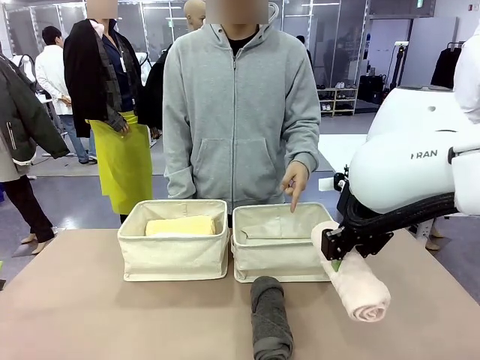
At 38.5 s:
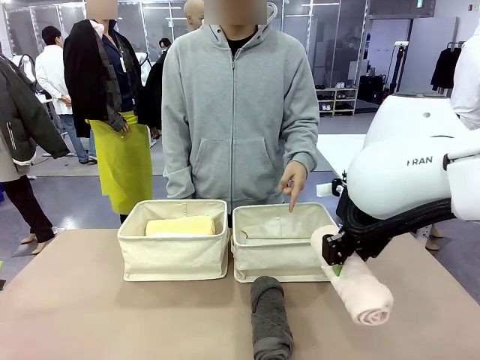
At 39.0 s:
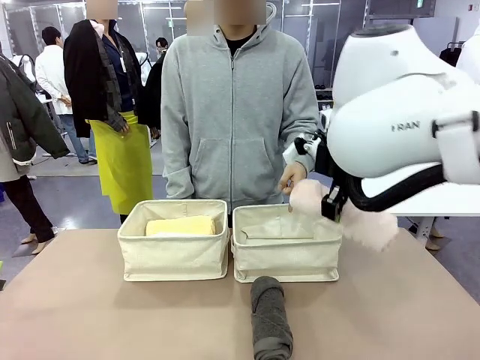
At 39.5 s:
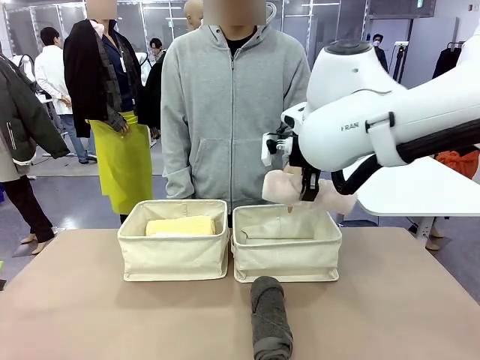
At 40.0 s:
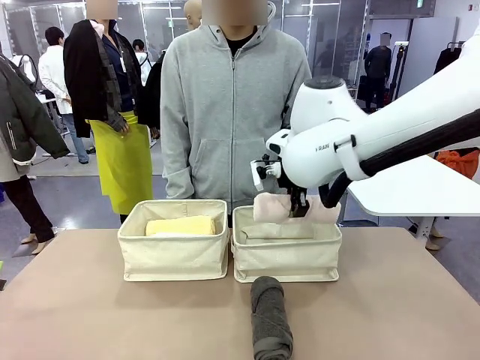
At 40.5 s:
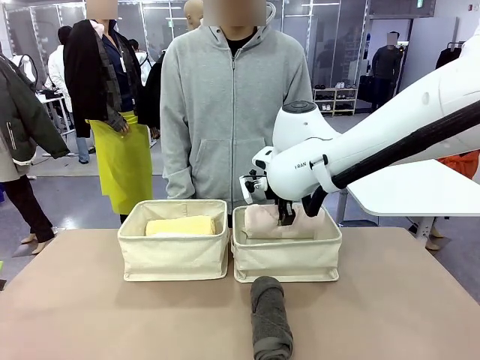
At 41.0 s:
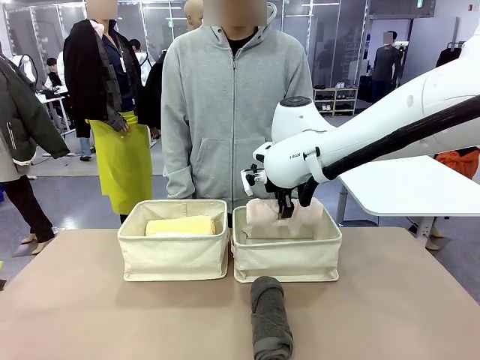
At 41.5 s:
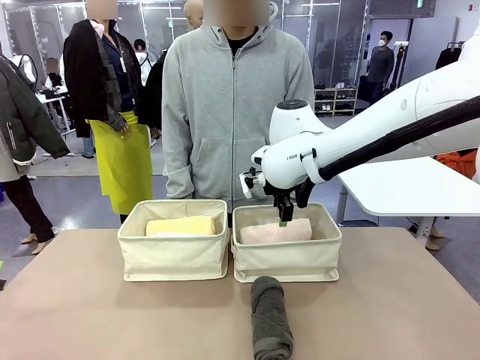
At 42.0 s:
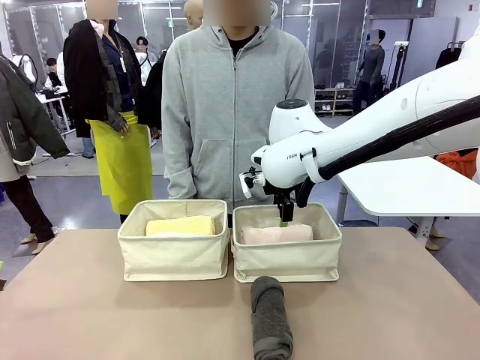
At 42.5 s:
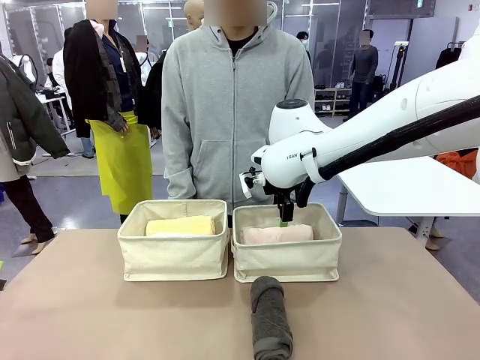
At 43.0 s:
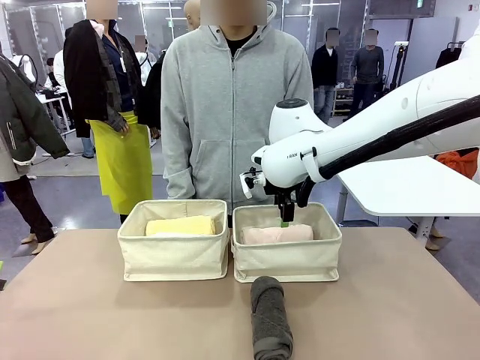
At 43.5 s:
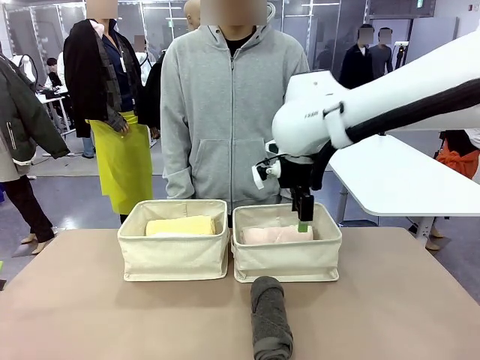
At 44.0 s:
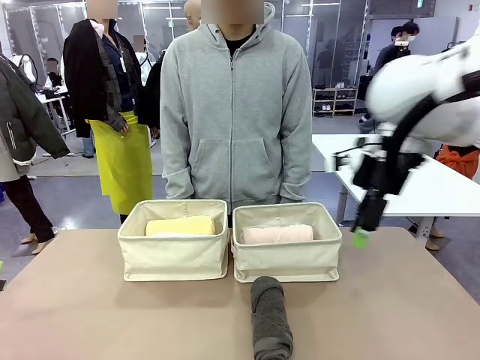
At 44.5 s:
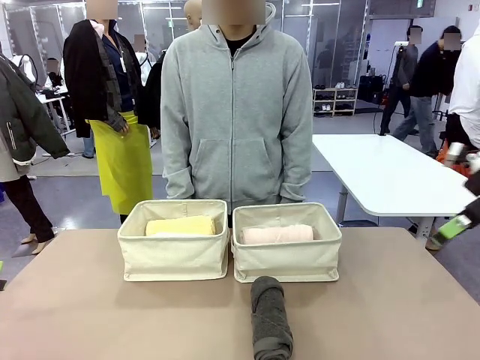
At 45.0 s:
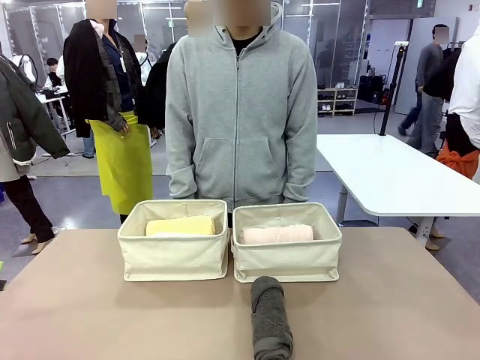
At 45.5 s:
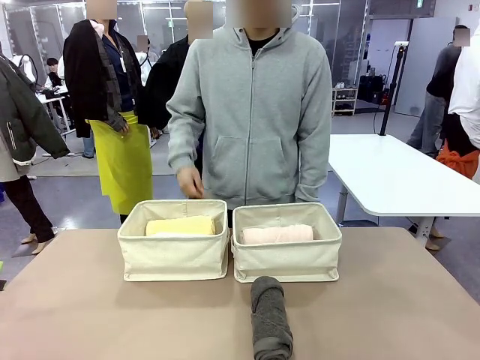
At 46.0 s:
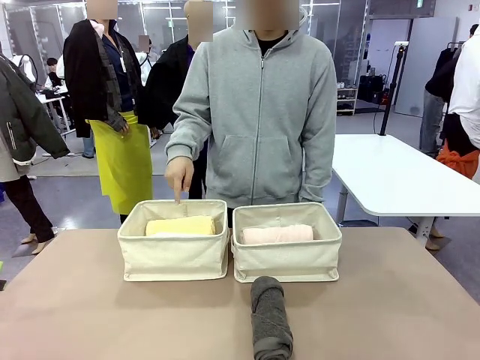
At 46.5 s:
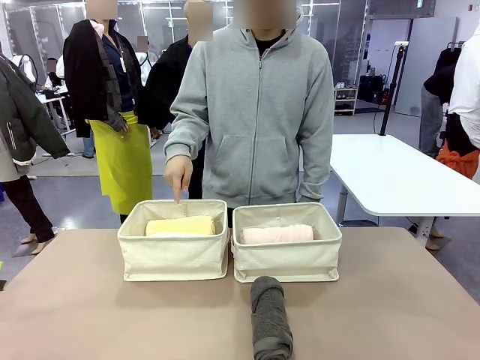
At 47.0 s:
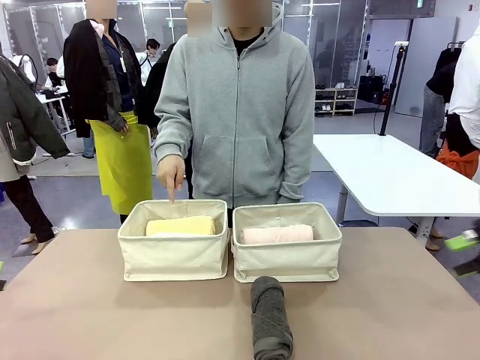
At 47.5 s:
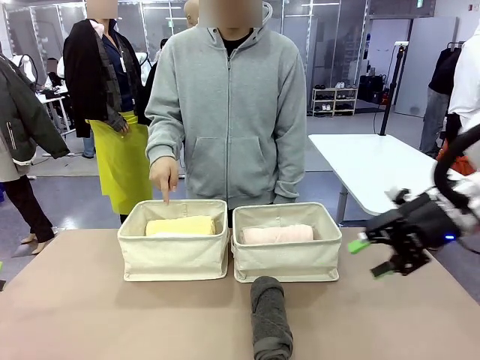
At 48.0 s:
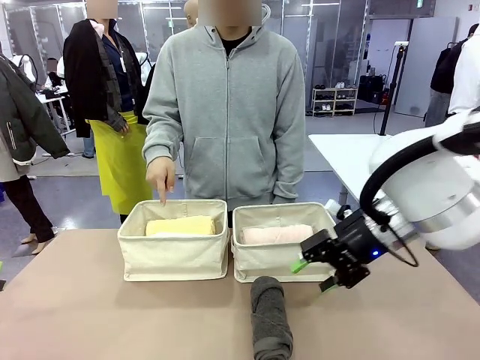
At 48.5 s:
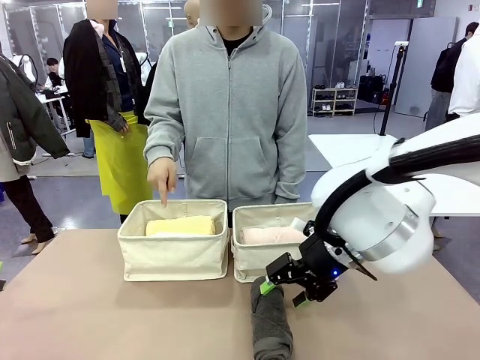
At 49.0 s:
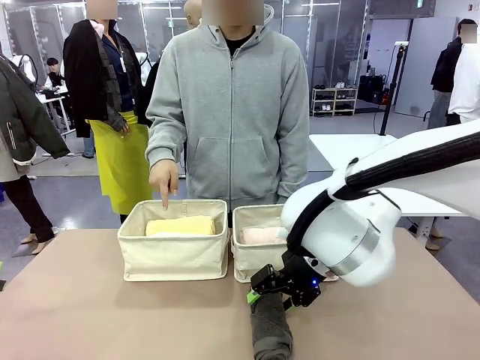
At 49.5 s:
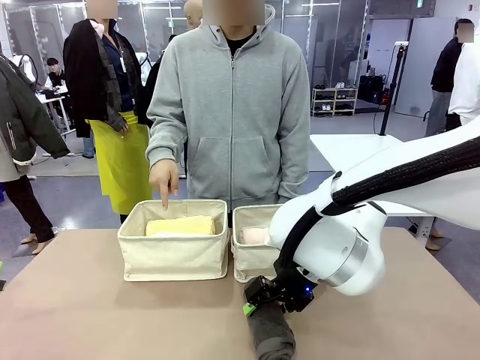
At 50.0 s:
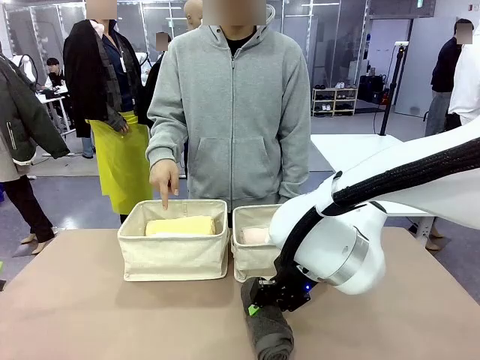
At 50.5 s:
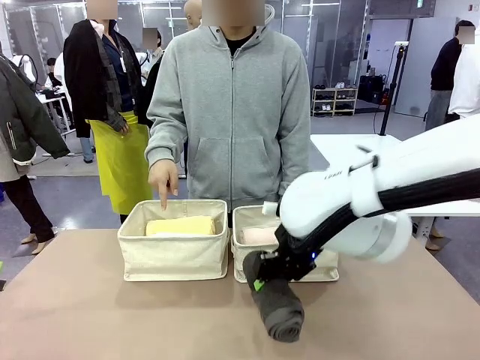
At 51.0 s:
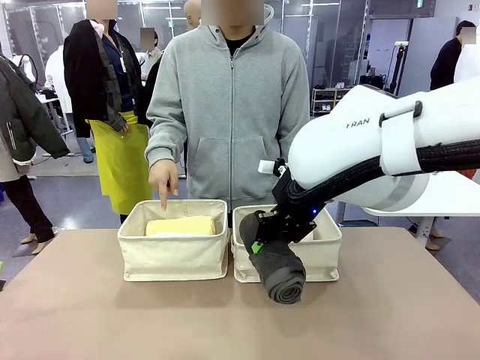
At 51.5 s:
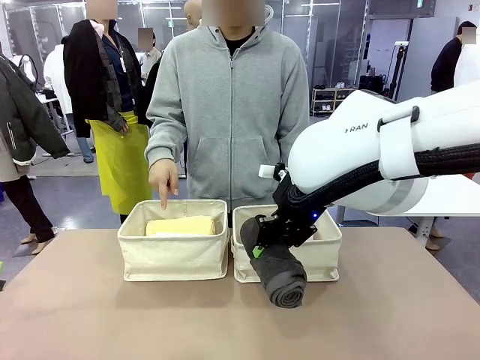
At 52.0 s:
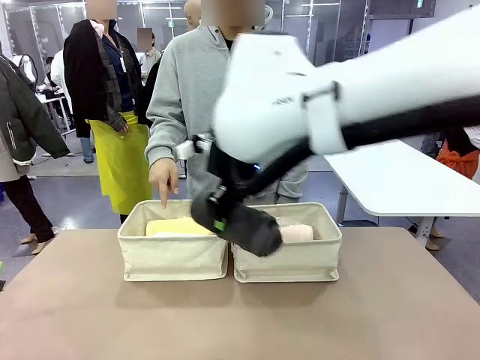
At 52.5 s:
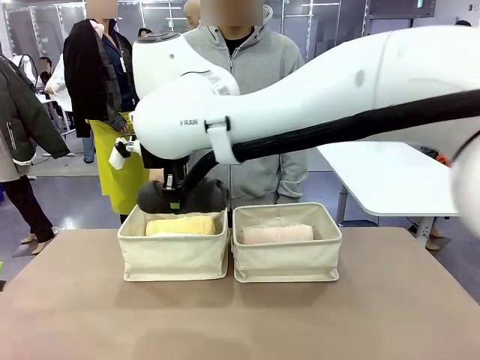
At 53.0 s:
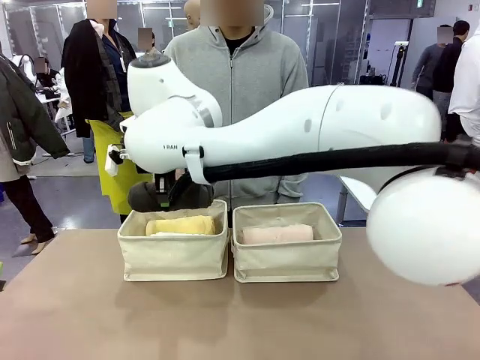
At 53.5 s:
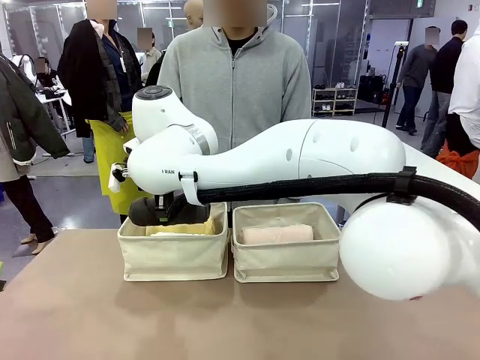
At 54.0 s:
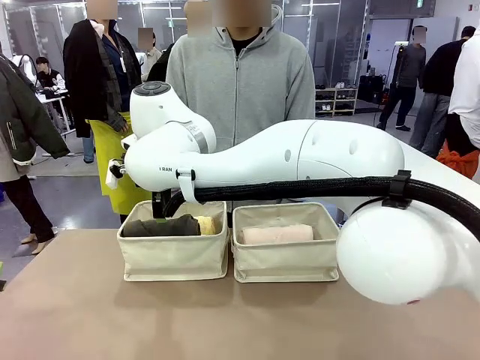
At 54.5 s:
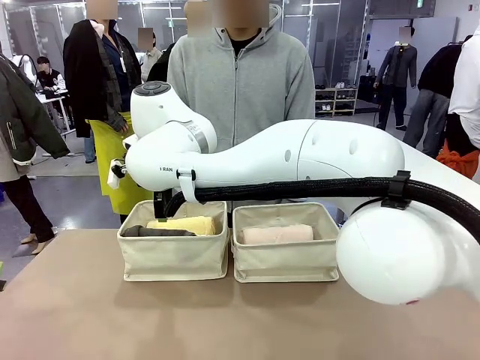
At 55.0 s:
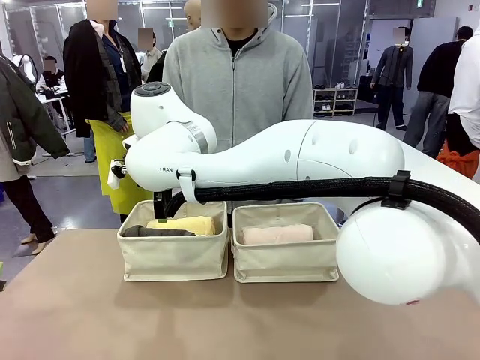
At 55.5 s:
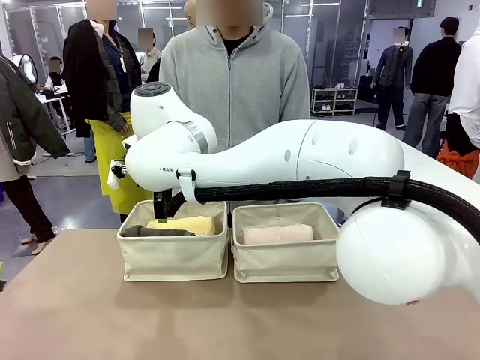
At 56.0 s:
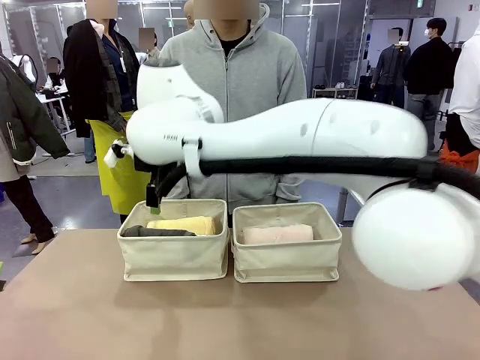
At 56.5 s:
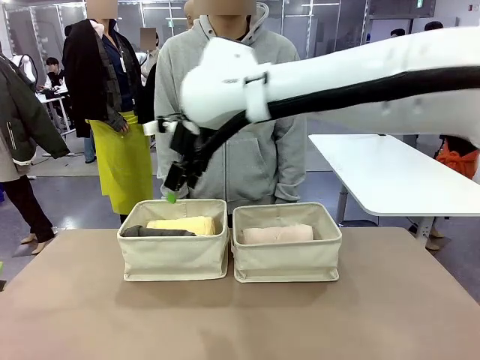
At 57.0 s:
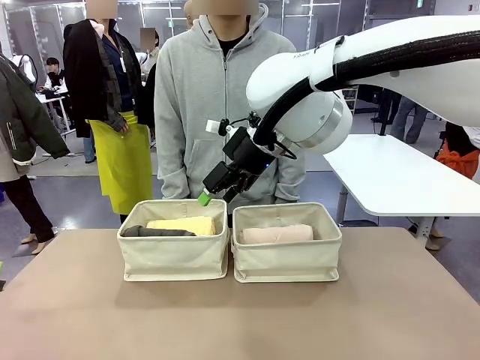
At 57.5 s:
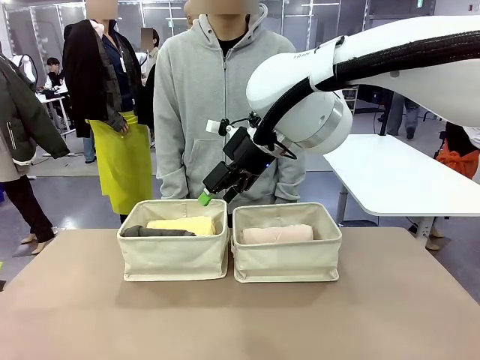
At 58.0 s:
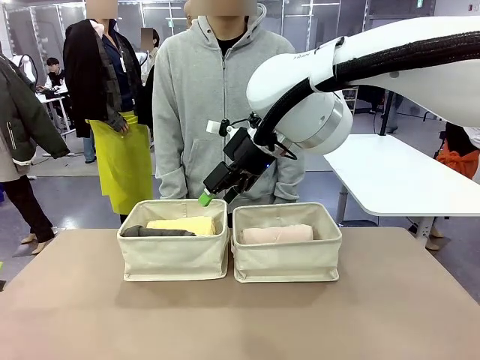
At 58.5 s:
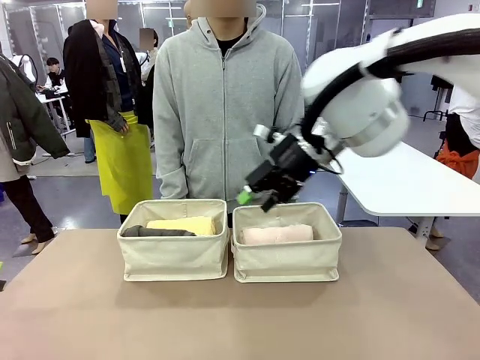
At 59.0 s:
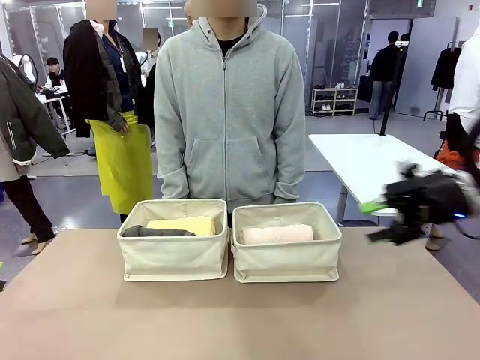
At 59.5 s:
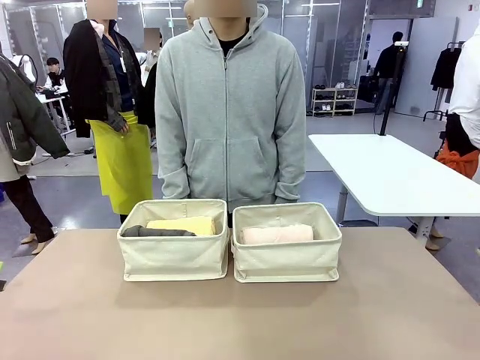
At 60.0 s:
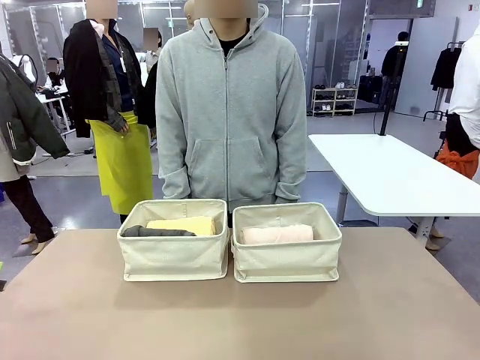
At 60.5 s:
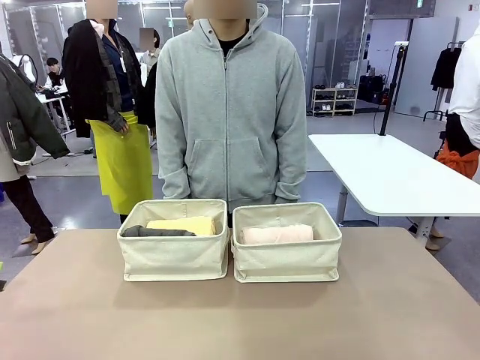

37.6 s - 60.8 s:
Task: Divide the towels into two baskets.
Robot: Pick up one hotel-folded towel from the bottom of the table and place it in the Fabric basket indicated by the person.
